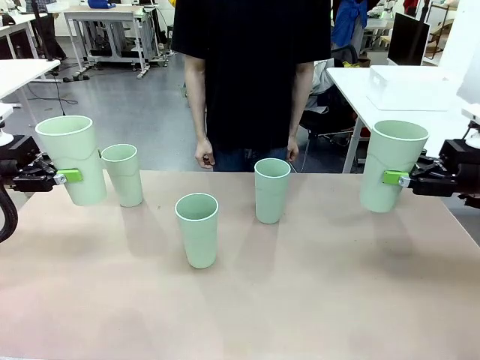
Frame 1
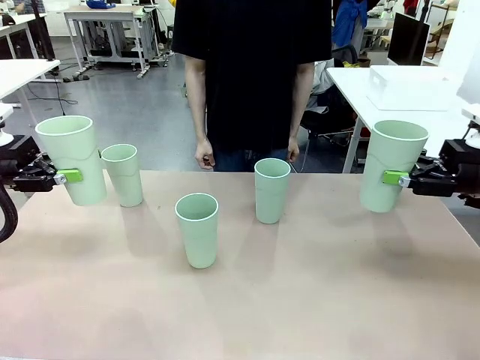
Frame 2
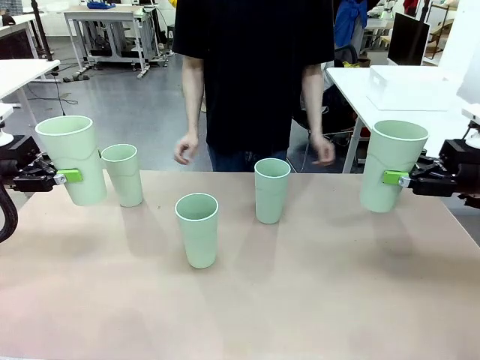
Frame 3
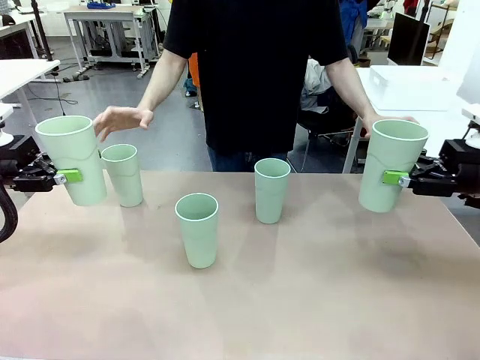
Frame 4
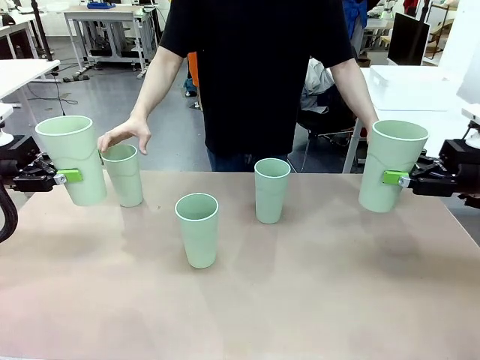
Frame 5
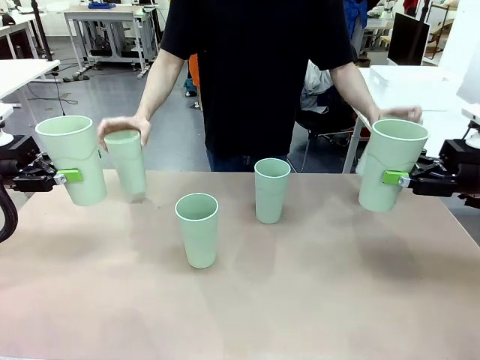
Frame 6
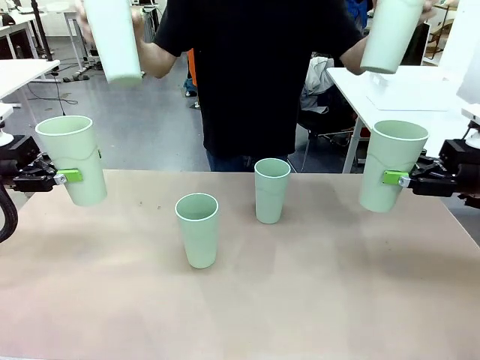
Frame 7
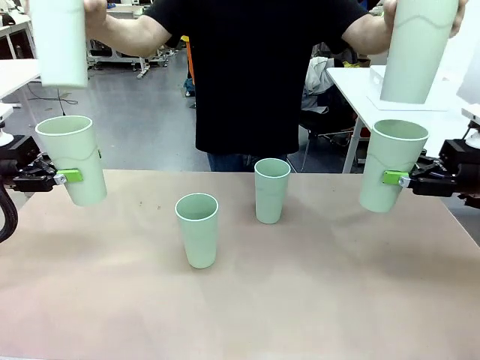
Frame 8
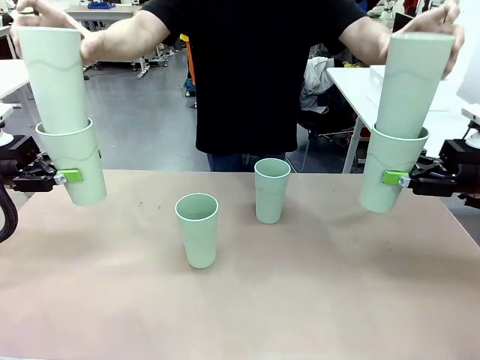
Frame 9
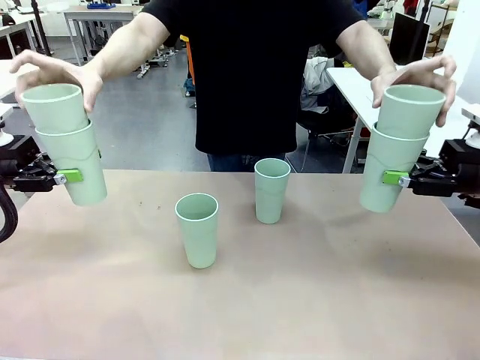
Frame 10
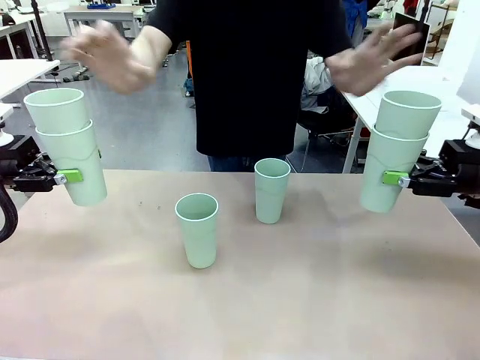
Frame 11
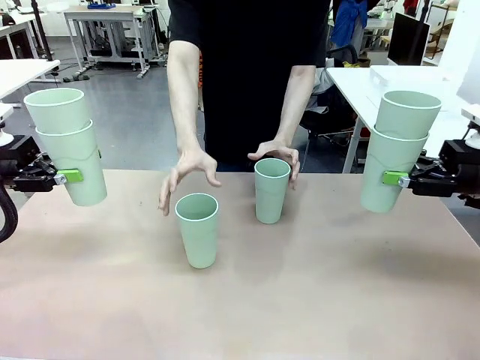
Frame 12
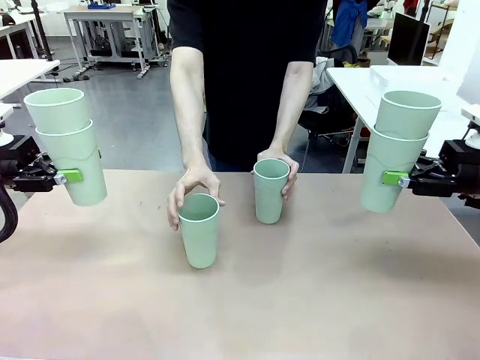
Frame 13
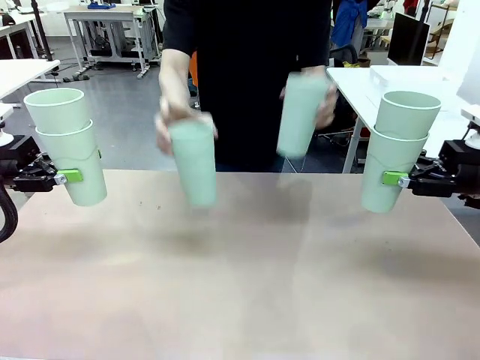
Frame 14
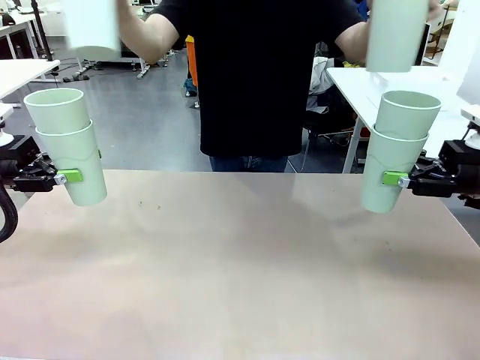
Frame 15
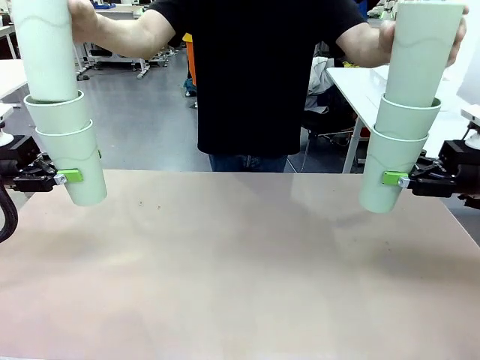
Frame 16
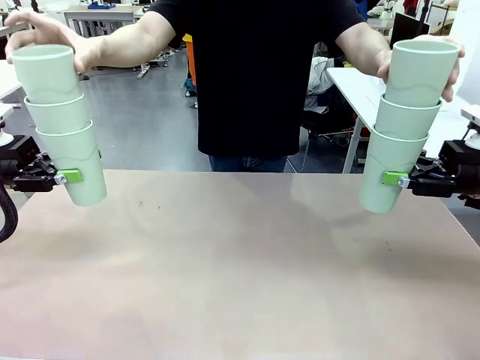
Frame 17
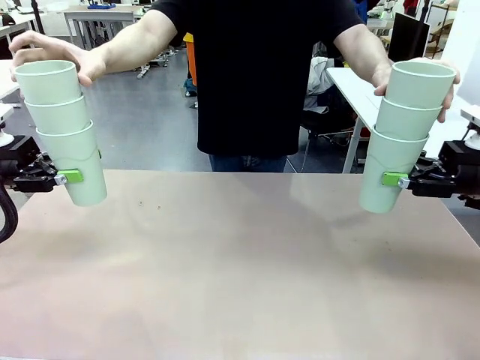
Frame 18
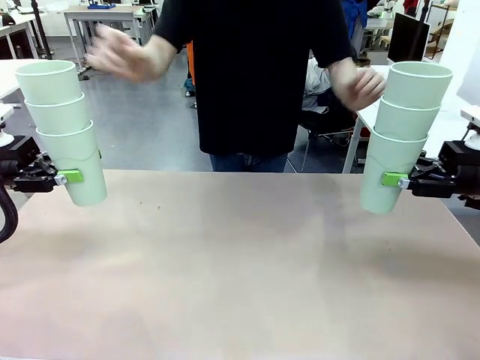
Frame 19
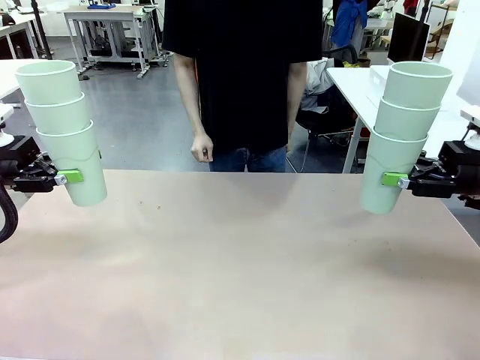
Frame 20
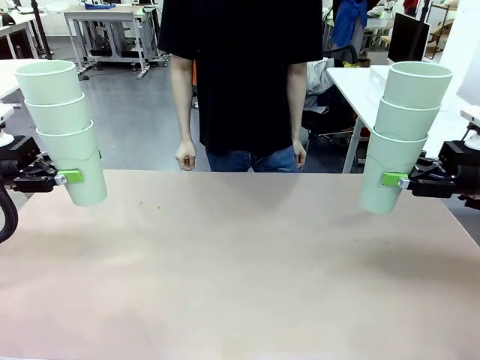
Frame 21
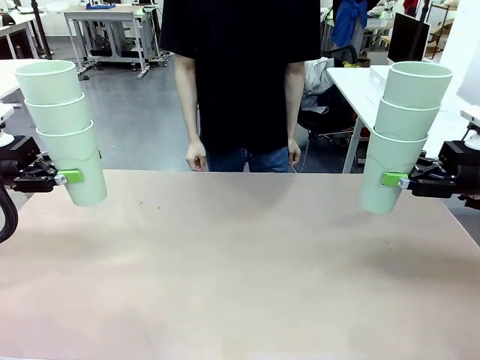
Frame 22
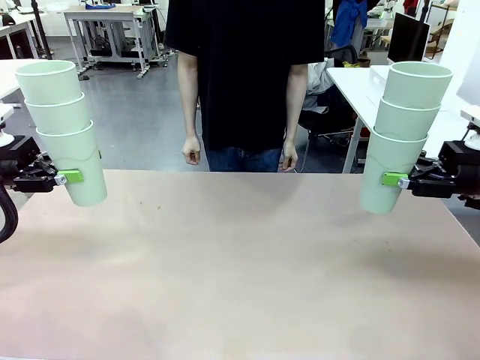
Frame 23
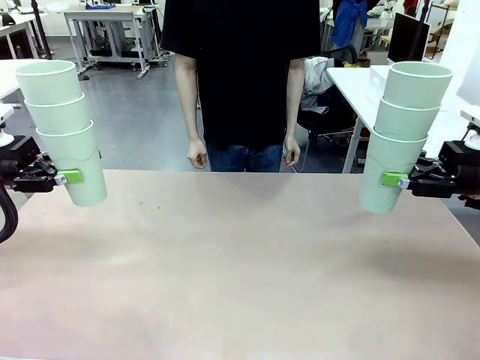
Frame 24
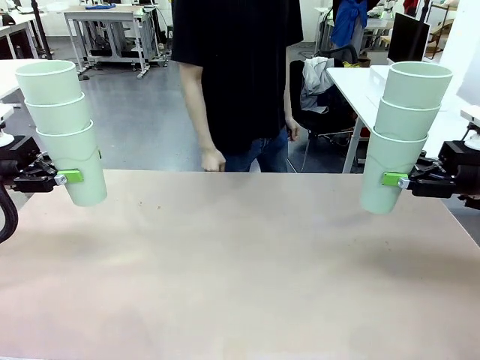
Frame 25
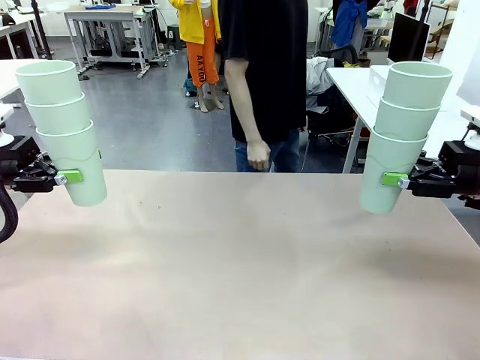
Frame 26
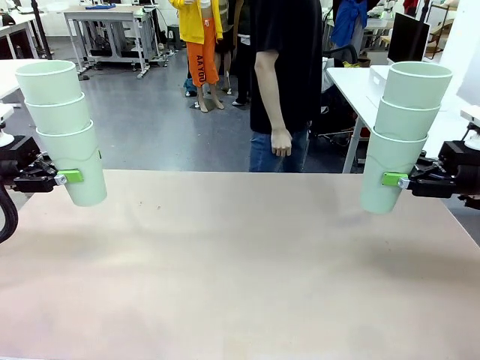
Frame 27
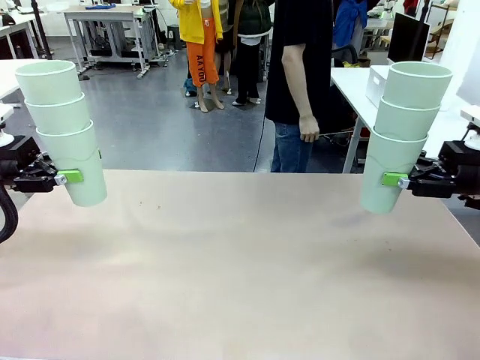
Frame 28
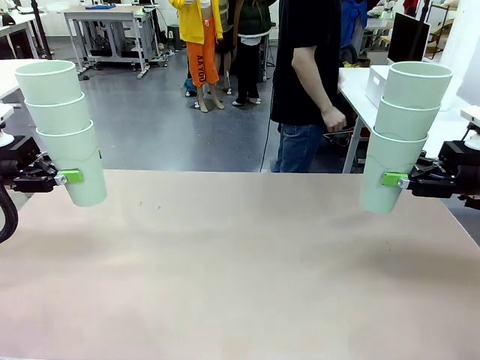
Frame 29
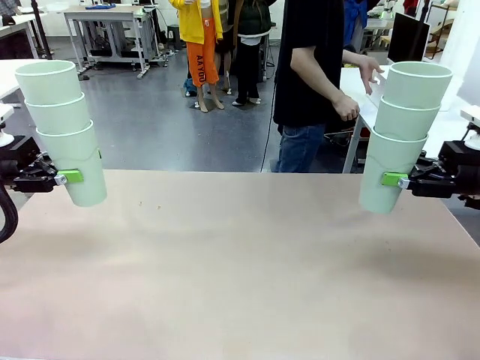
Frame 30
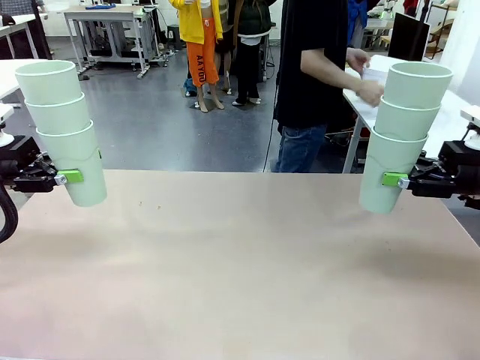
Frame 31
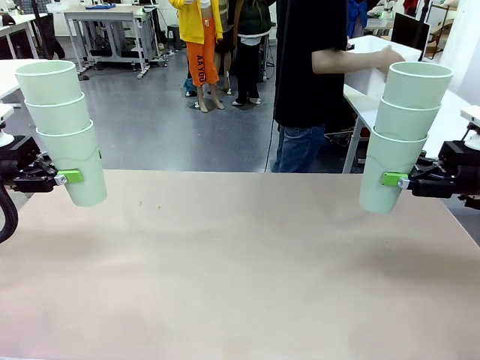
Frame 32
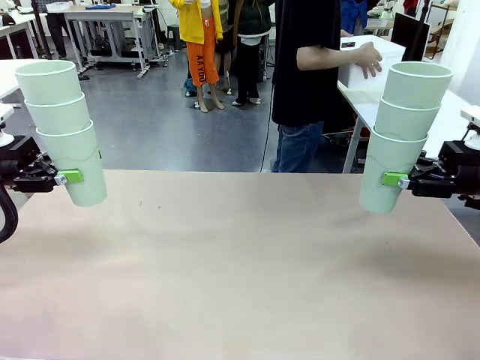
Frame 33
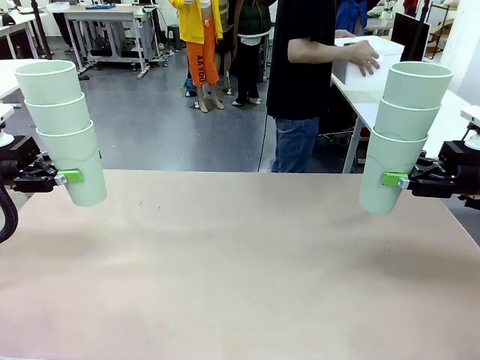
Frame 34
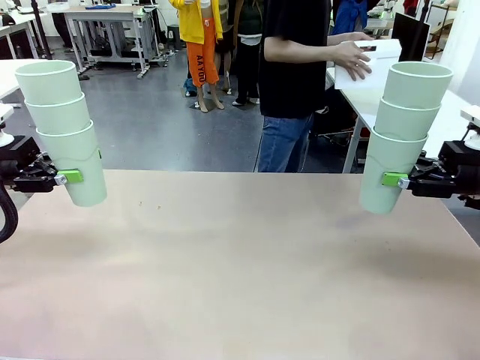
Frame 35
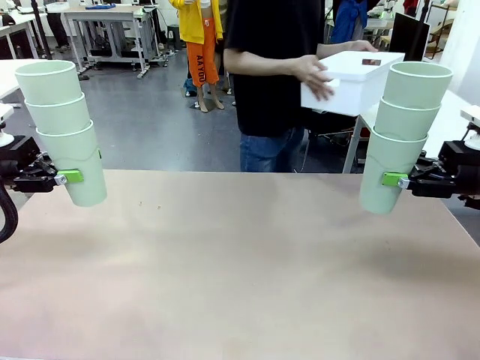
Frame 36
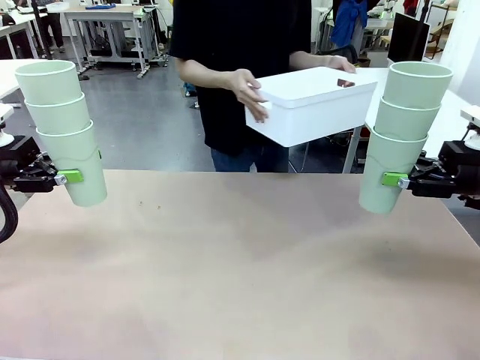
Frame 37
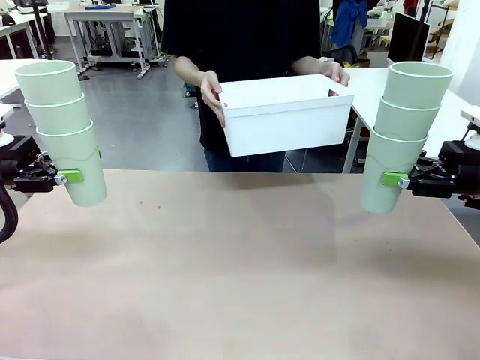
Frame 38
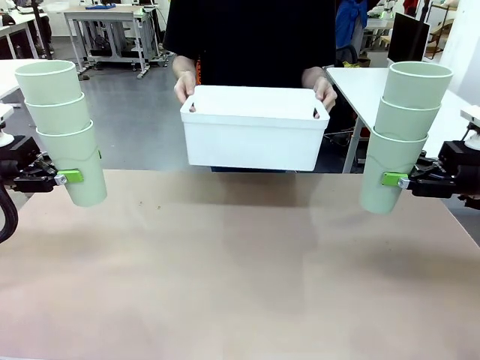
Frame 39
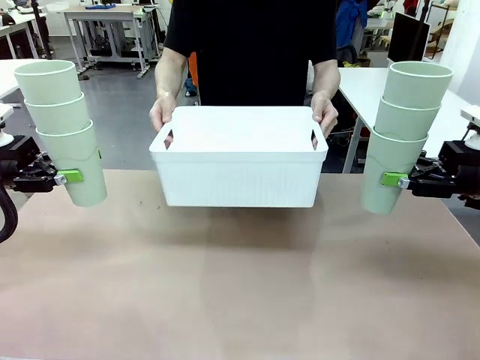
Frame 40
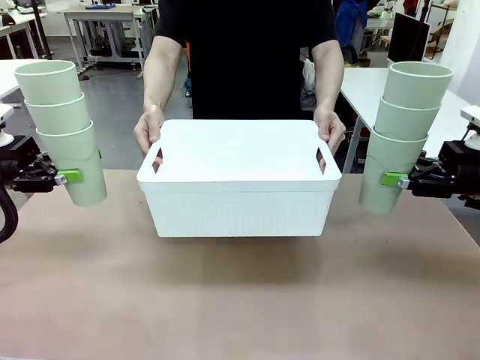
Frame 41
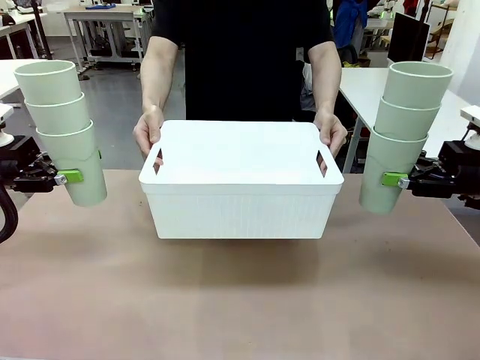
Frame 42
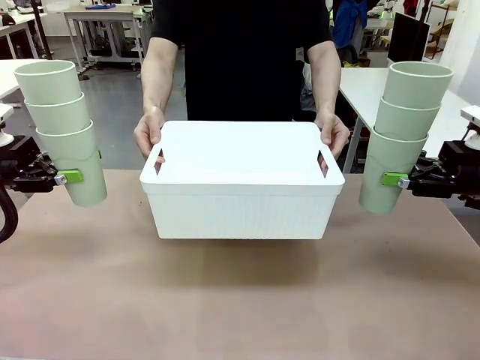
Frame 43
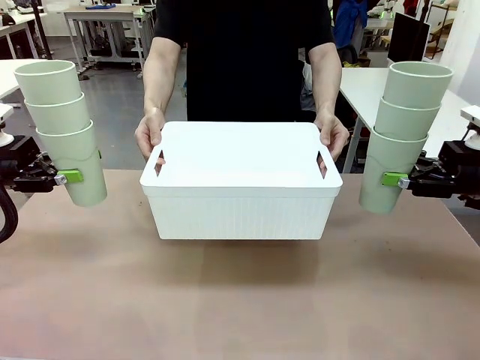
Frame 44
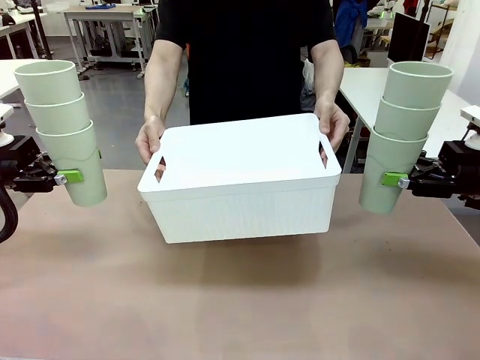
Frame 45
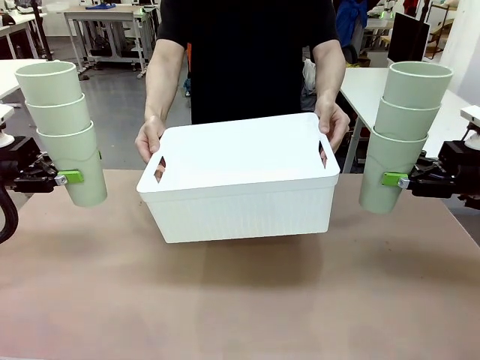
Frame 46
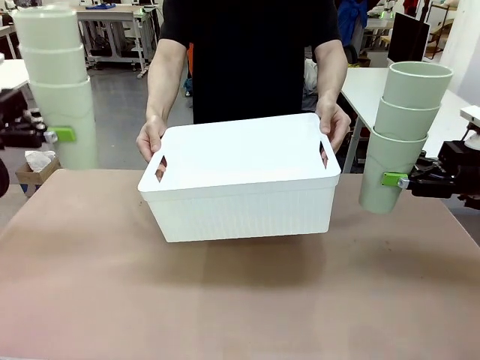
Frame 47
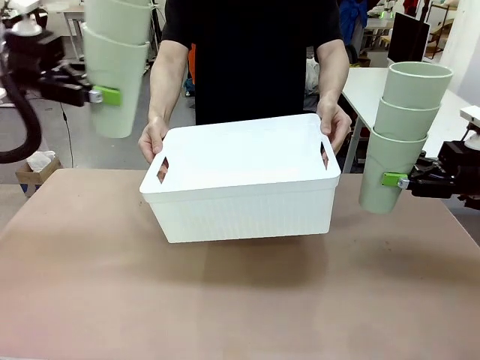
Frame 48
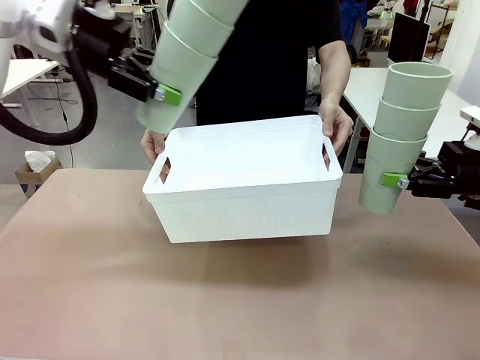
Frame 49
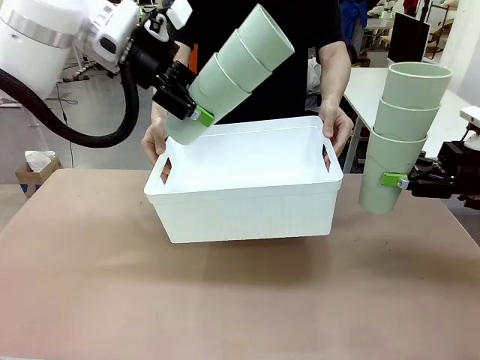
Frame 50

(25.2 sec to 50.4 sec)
Task: Stack the cups and store them in the basket.
Robot: Place the stack of Reusable plastic cups into the Pantry Basket.
Person: Pick up the basket from the Human Table, bring it to the front of the robot, and present it.
